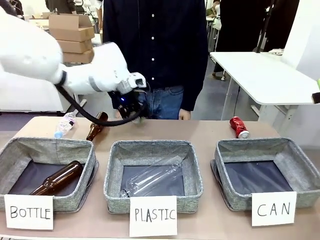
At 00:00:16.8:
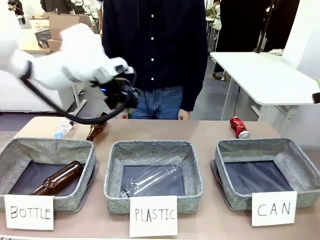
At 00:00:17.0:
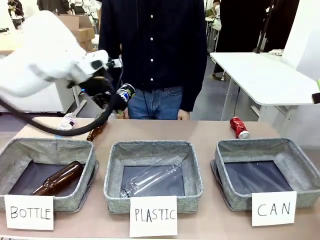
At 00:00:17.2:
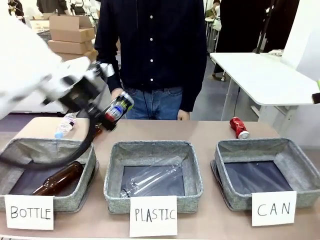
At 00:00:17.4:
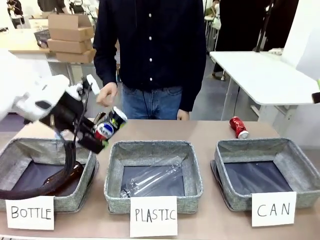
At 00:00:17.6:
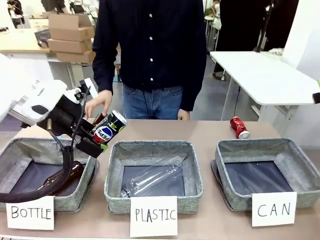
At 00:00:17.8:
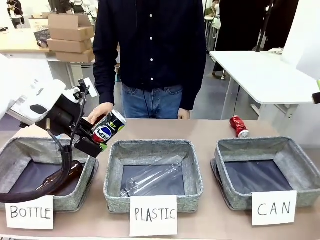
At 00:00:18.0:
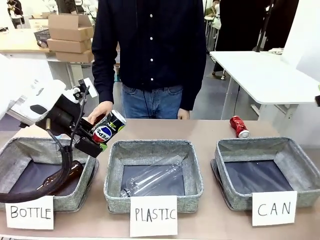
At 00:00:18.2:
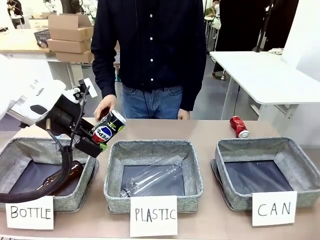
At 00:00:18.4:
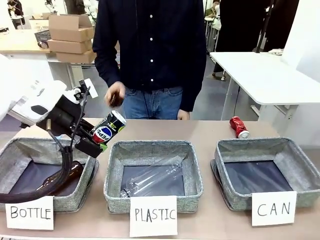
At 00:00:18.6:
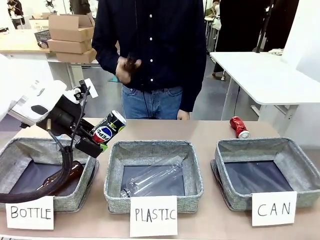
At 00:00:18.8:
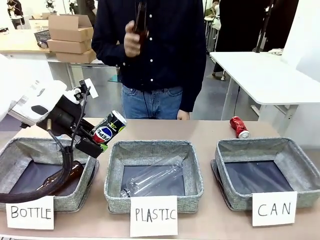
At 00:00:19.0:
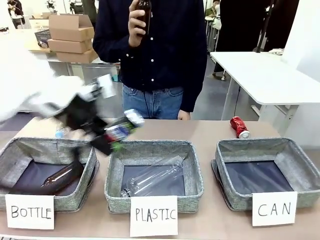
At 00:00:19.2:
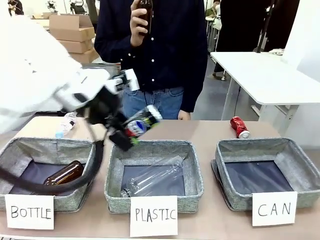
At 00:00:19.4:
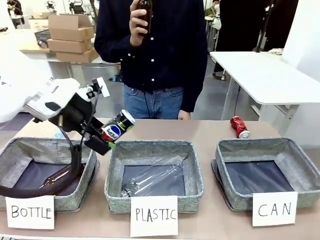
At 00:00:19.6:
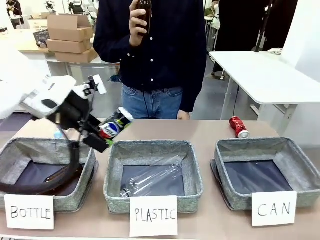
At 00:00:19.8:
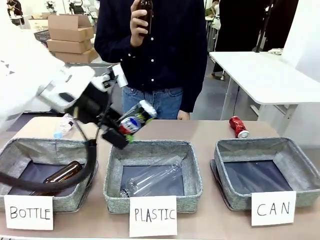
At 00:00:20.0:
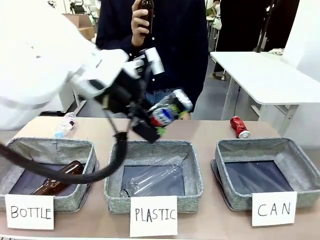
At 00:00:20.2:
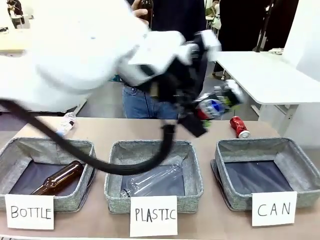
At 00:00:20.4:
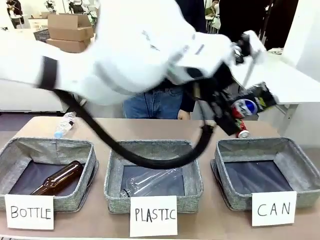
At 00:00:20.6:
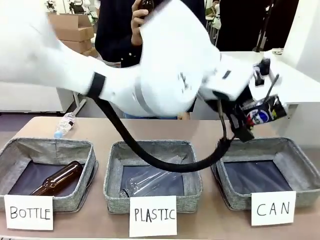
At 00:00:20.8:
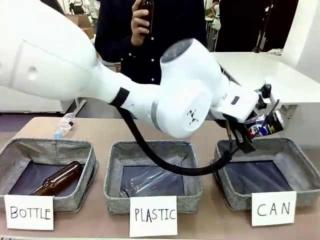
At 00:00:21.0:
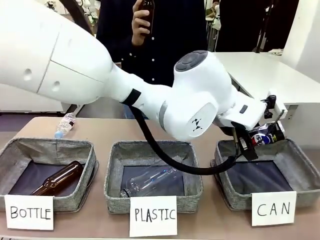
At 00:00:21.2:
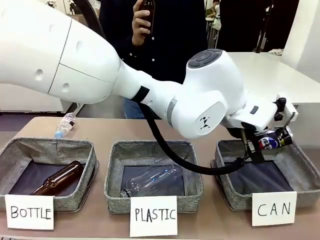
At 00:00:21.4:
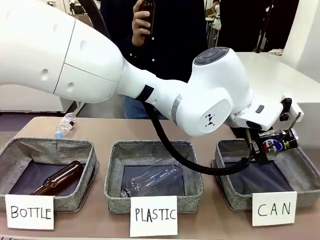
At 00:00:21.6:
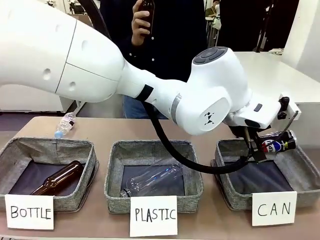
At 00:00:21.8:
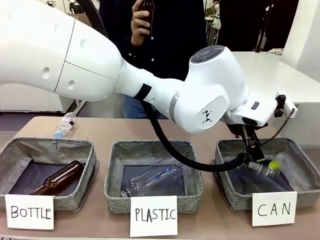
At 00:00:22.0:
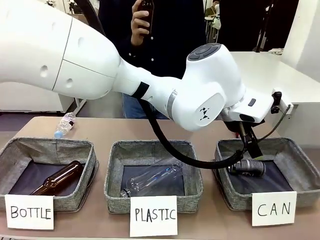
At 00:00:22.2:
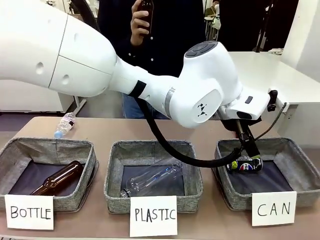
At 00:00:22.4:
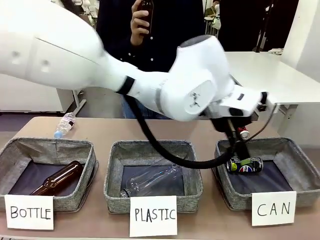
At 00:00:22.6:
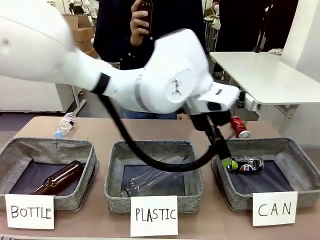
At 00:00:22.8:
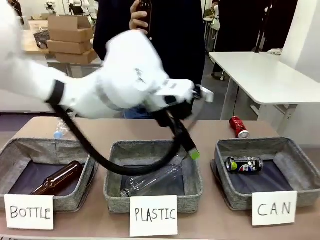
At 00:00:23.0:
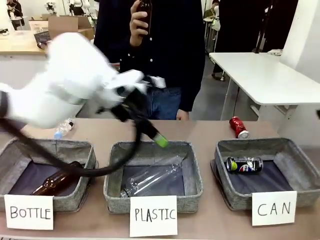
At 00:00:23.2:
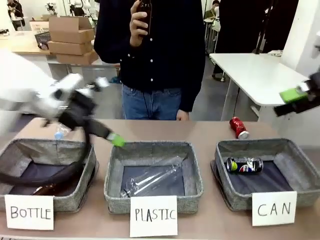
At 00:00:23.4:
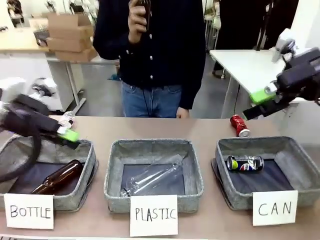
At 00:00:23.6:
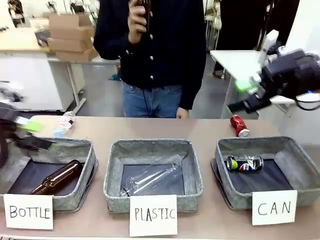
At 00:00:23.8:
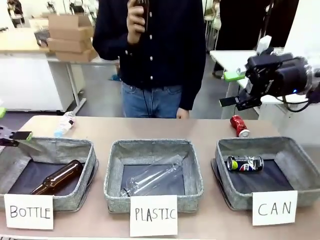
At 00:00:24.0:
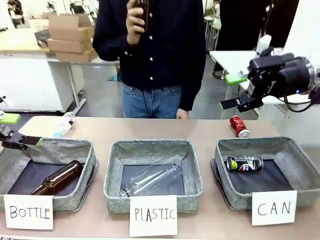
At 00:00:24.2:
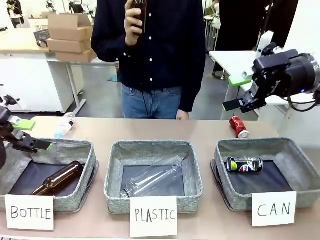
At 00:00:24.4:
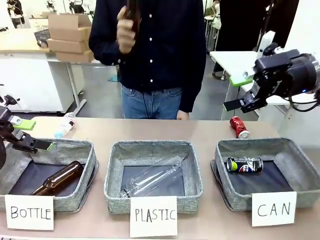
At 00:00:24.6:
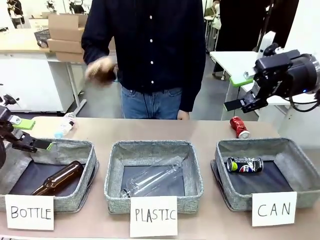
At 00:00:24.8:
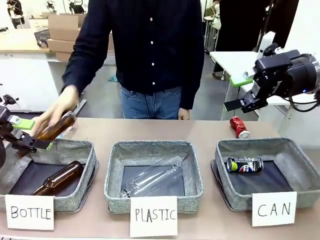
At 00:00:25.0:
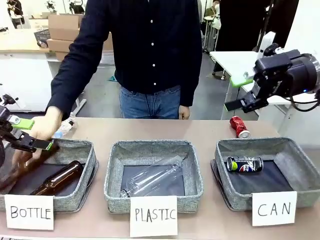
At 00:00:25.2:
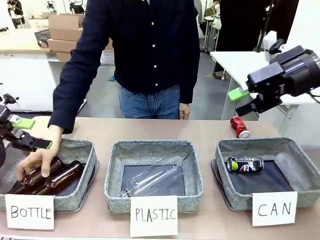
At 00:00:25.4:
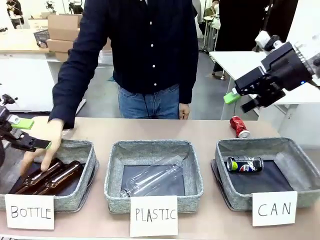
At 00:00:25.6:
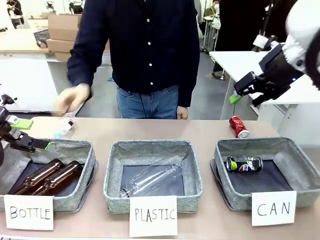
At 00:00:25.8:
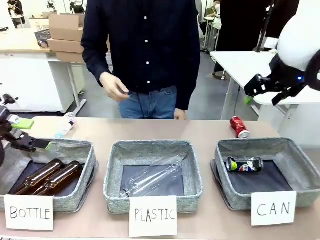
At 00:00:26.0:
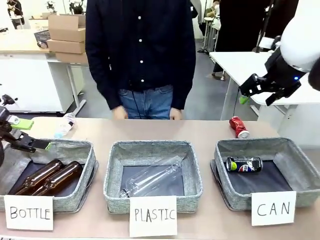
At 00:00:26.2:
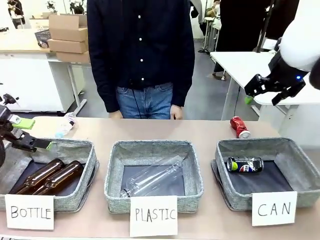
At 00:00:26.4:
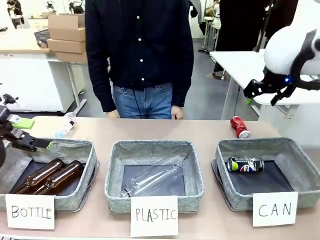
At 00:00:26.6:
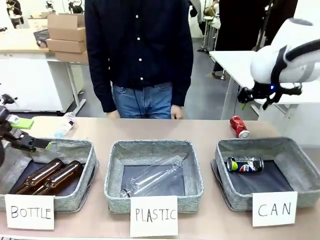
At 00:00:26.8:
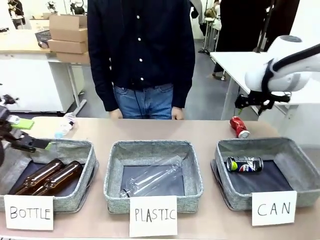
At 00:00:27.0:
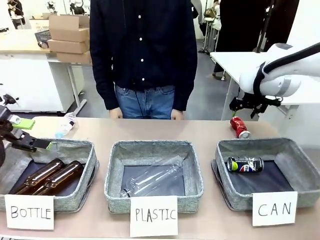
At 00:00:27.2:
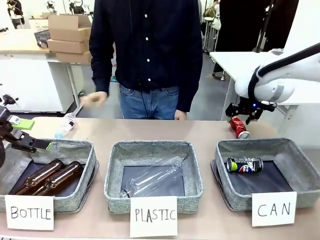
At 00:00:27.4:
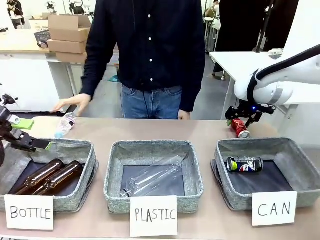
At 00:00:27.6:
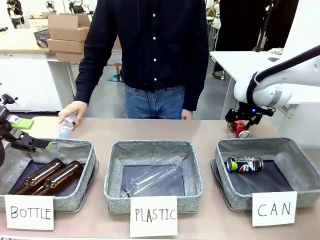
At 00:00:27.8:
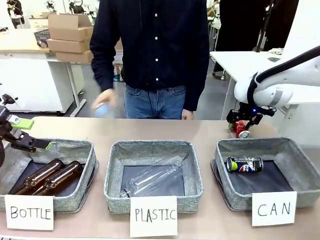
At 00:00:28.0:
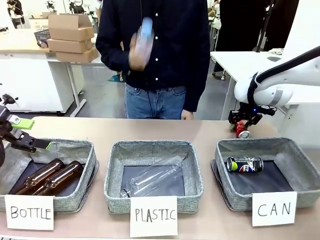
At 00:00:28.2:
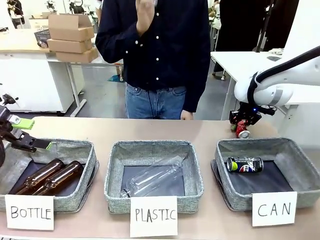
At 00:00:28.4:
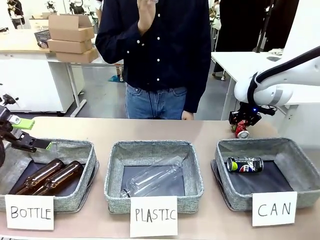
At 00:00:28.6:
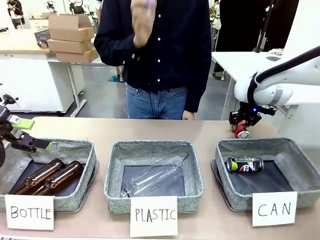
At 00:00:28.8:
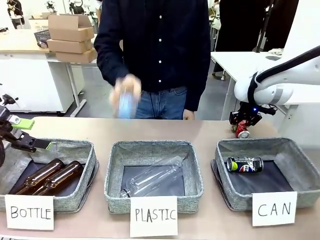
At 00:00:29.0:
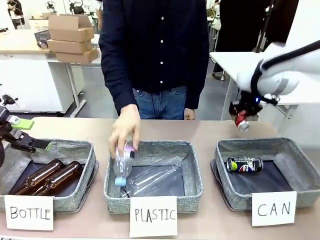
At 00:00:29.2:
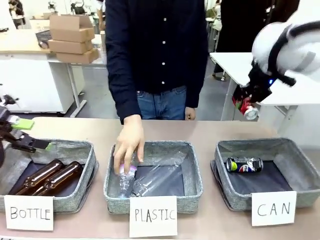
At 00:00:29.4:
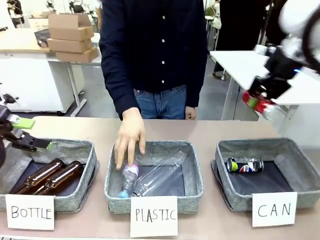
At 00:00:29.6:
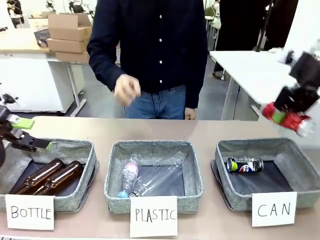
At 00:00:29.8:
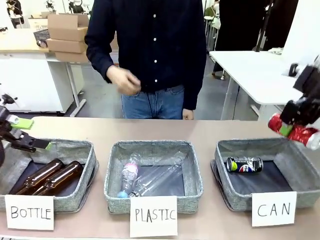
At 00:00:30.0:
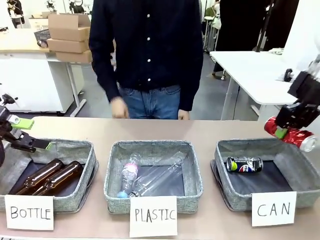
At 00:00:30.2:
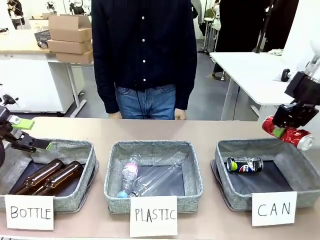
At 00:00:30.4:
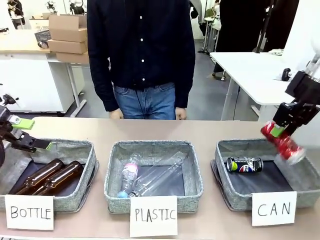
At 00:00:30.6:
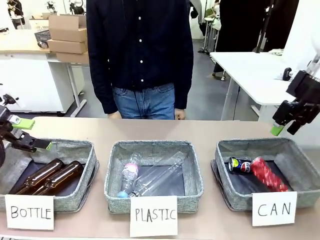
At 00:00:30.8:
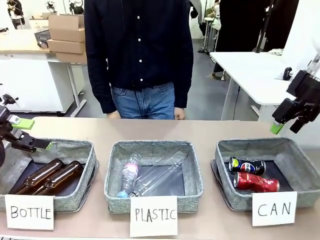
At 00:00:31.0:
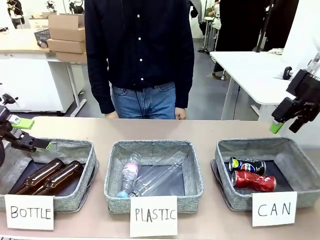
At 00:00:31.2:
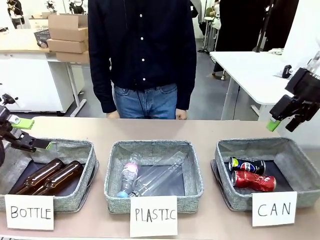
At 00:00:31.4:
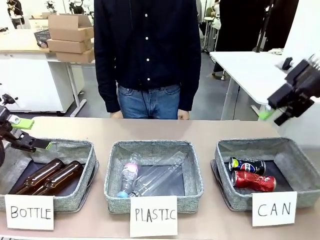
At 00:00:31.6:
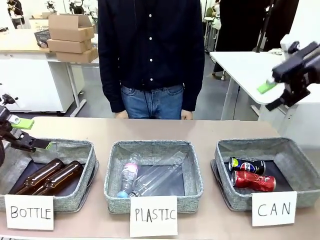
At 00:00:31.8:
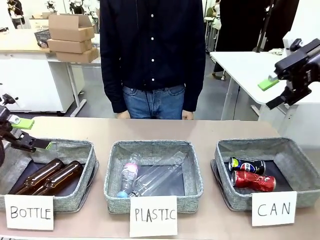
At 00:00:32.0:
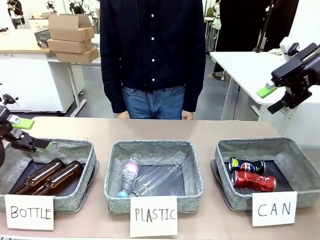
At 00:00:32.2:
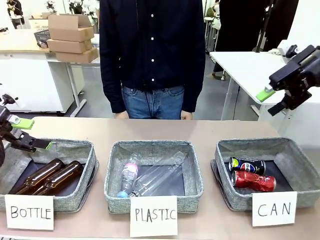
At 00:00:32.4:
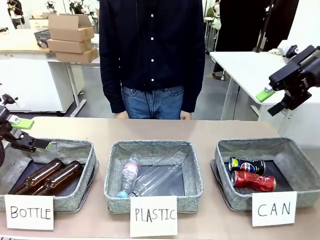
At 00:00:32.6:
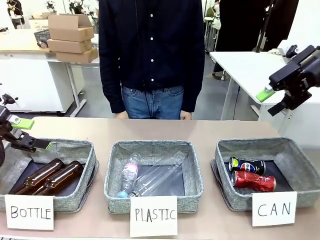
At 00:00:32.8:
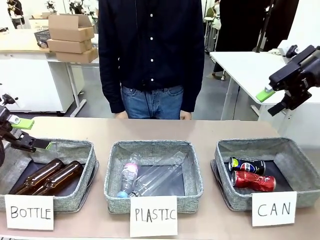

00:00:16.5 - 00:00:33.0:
Task: Sort the can waste into the basket.
Robot: Pick up the can waste from the table and place it in the right Fabric basket.
